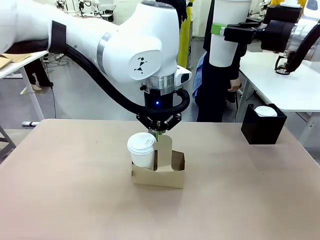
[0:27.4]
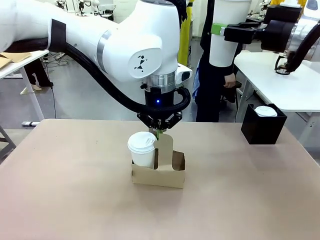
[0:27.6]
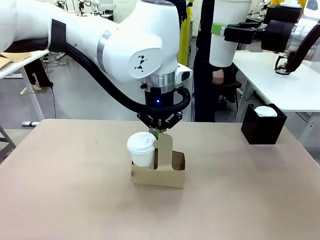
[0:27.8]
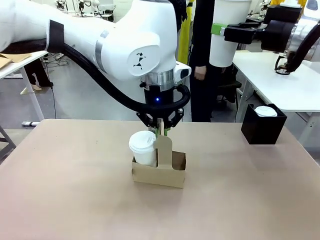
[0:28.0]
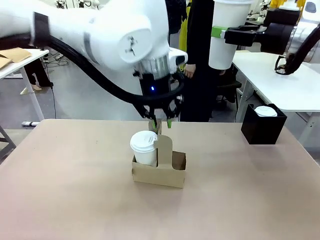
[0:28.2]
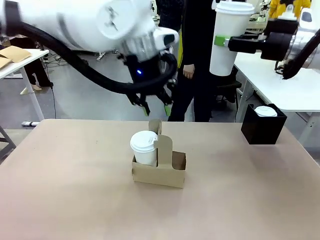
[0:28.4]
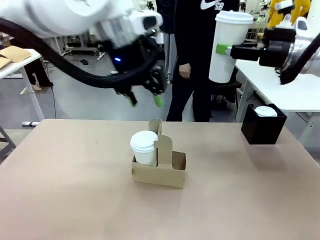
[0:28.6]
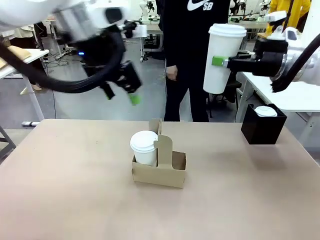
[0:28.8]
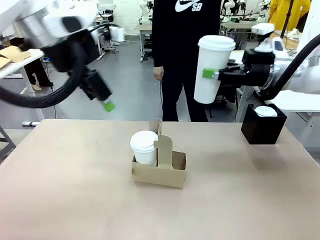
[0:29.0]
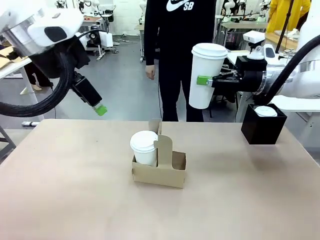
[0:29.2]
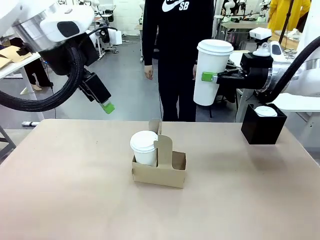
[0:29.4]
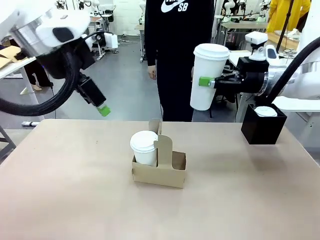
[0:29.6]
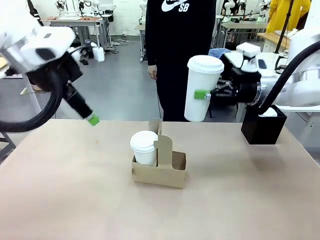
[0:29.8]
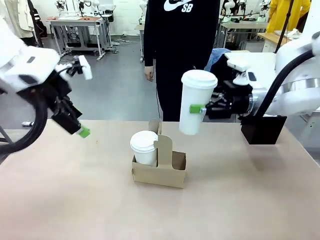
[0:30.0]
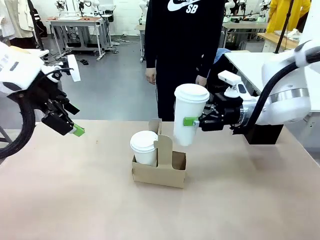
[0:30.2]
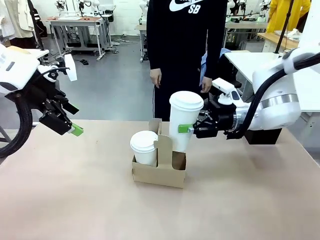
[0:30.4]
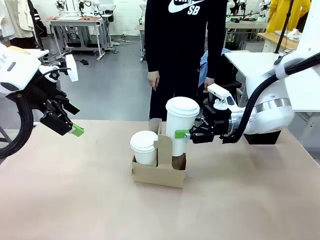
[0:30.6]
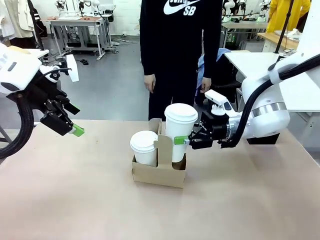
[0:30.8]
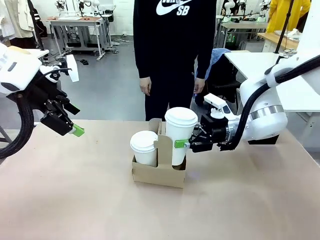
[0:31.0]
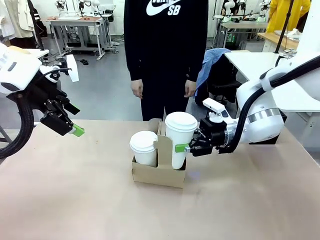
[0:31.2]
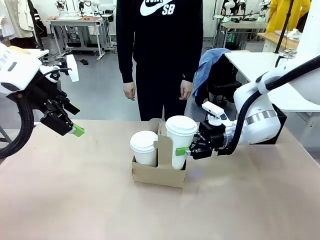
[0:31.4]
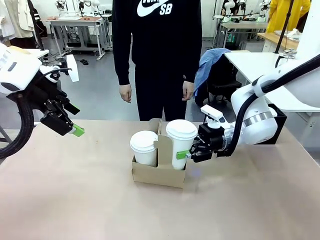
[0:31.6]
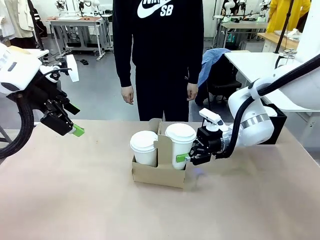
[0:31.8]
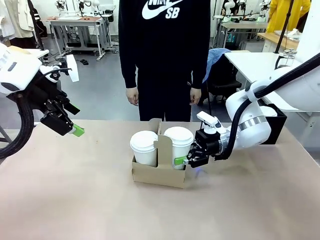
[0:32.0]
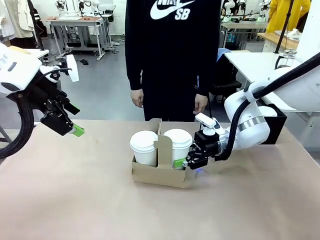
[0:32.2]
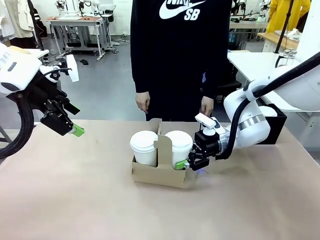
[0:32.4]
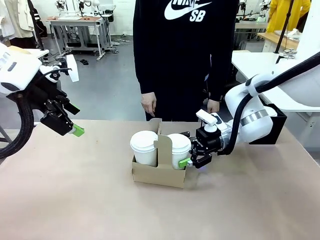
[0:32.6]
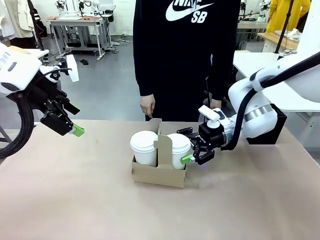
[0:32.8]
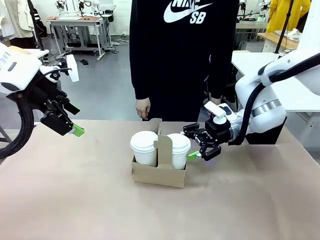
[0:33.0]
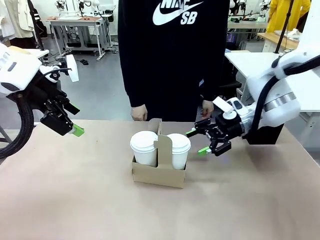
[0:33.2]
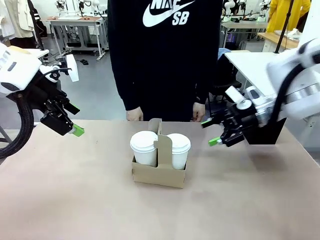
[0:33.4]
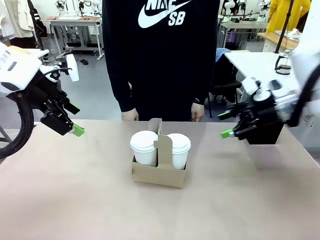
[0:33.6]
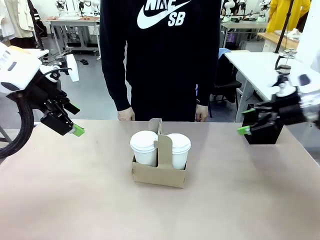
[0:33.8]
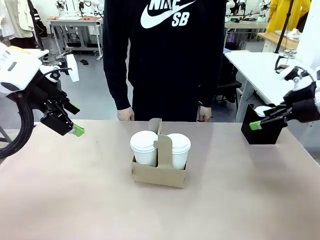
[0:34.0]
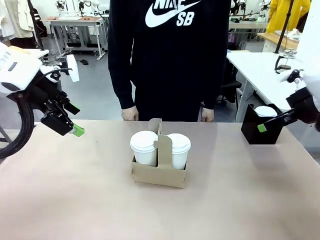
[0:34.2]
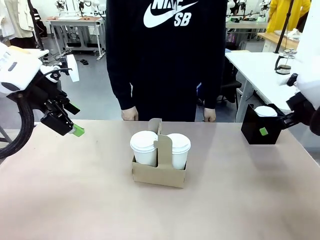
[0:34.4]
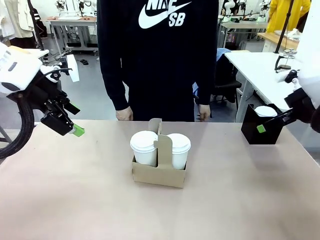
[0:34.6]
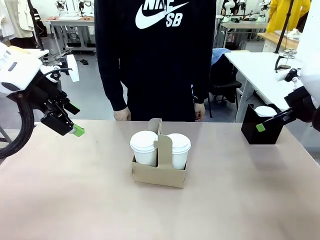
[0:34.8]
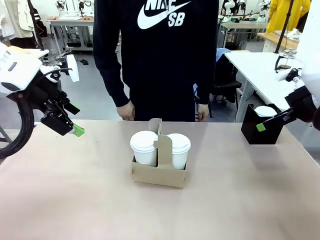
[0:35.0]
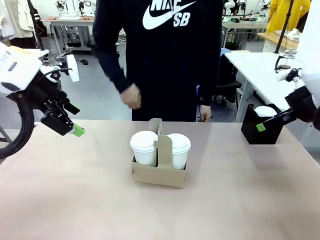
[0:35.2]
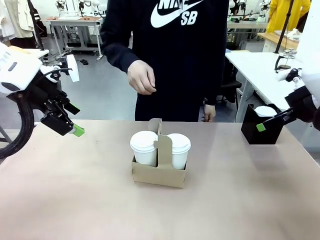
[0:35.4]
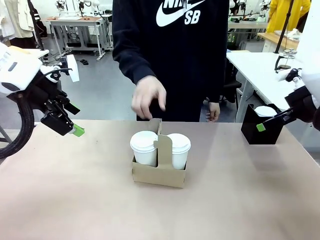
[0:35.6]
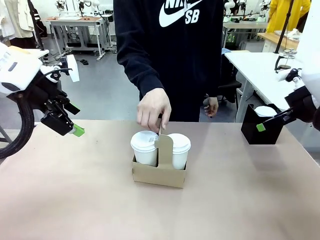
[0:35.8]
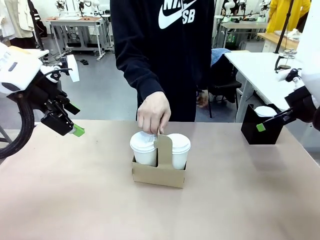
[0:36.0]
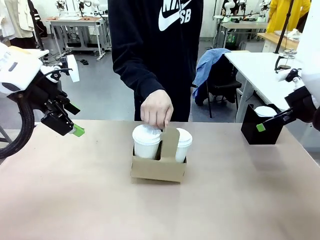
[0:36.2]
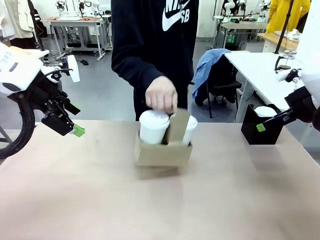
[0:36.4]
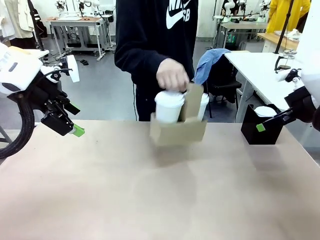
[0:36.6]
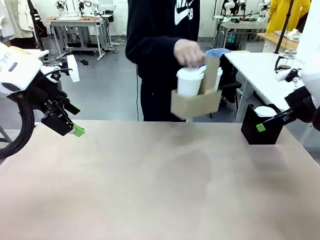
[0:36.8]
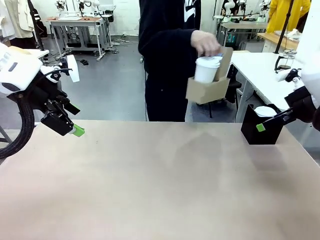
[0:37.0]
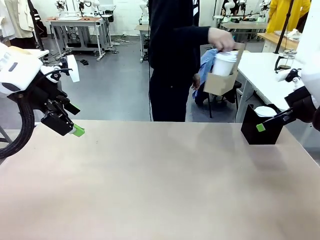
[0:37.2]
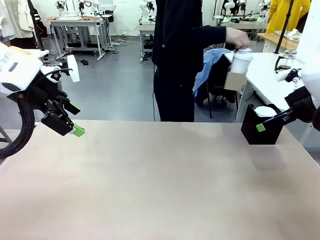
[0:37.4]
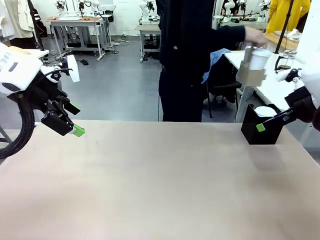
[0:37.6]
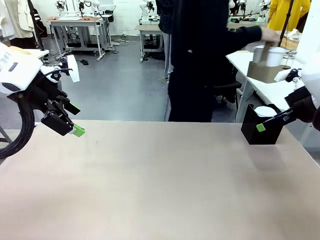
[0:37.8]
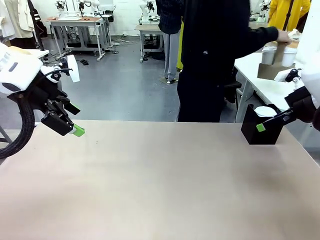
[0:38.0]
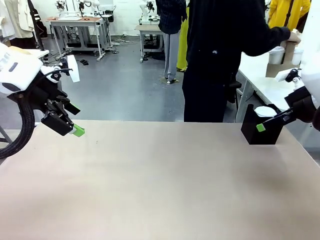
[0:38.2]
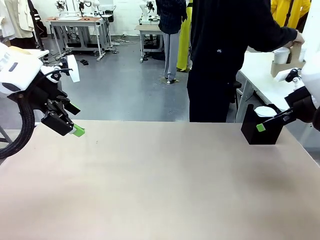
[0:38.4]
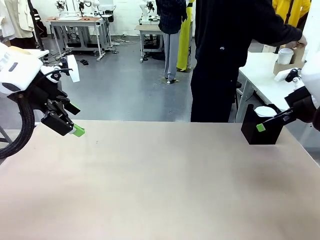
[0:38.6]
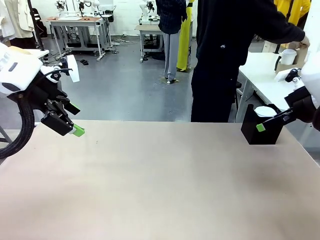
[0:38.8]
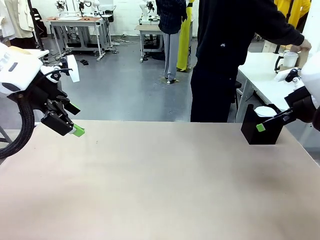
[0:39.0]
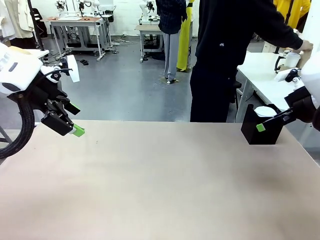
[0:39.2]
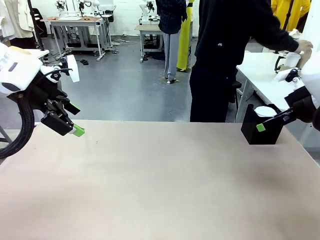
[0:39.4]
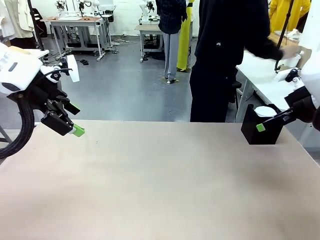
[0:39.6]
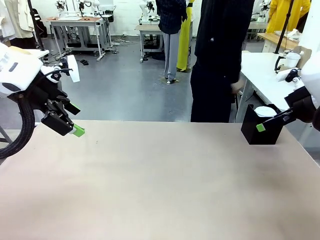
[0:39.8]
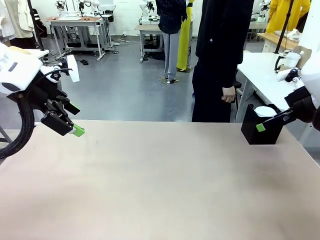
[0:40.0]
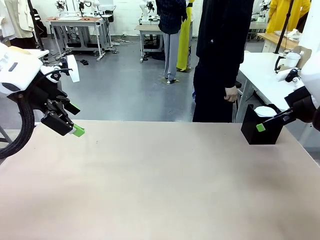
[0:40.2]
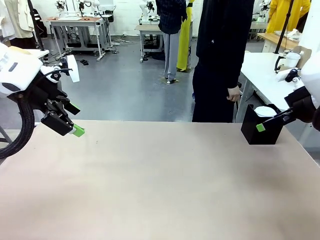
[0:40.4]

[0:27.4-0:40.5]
Task: Pour a drink into a cup and package it in a carrier.
Robot: Insert the held 600 ml Paper Cup into the Cup Carrier.
Person: Place the Cup Carrier to the middle of Human table.
